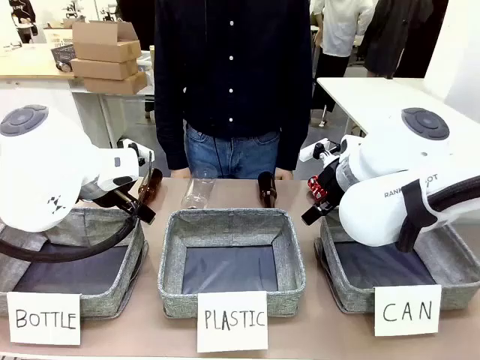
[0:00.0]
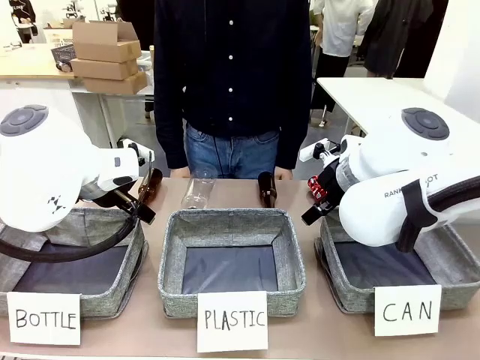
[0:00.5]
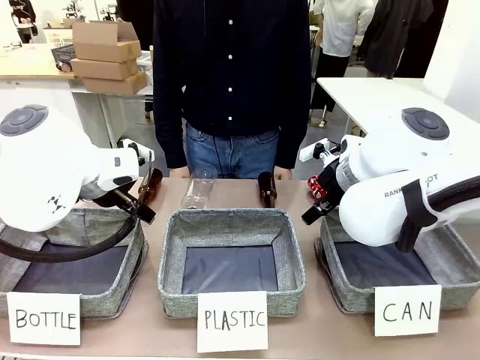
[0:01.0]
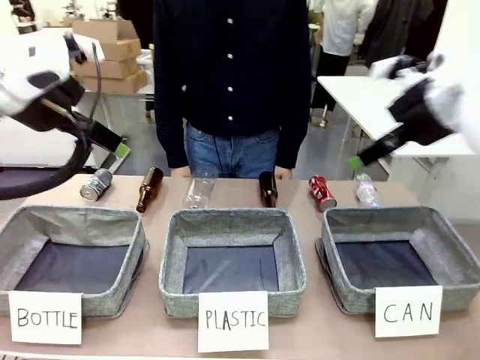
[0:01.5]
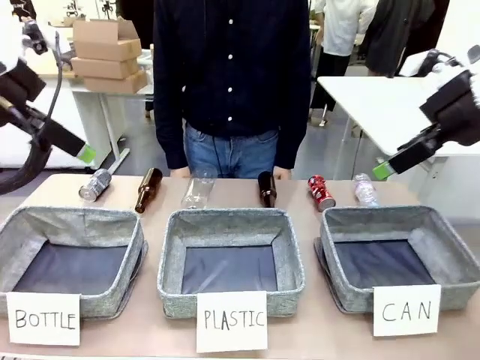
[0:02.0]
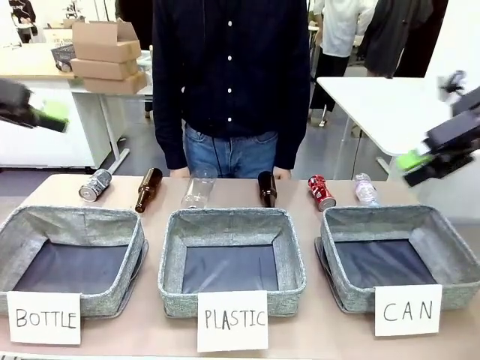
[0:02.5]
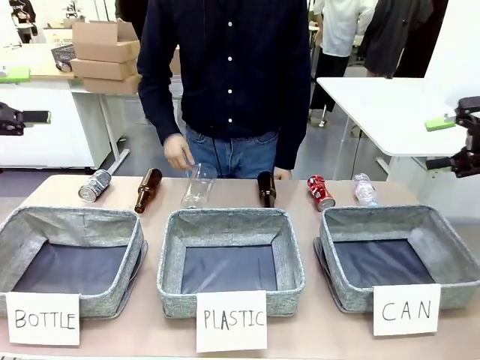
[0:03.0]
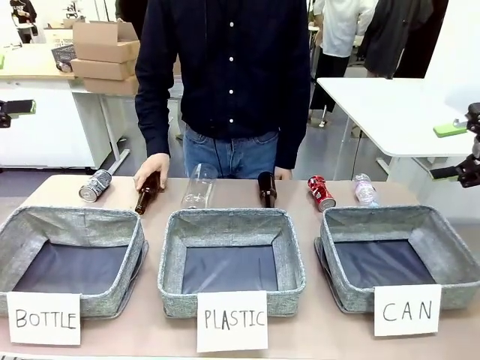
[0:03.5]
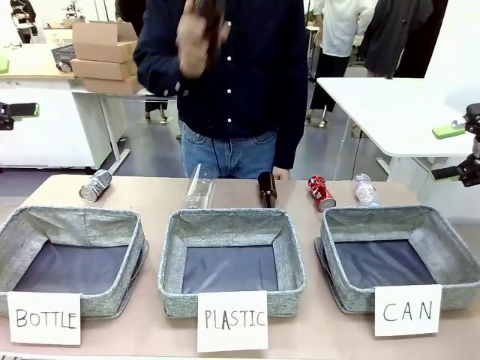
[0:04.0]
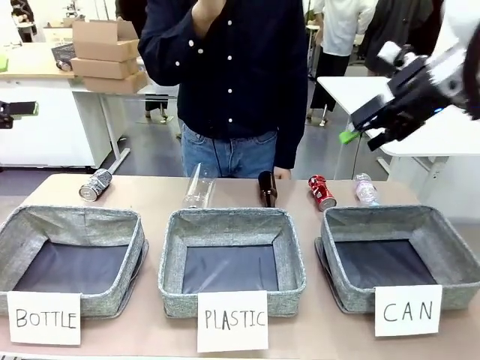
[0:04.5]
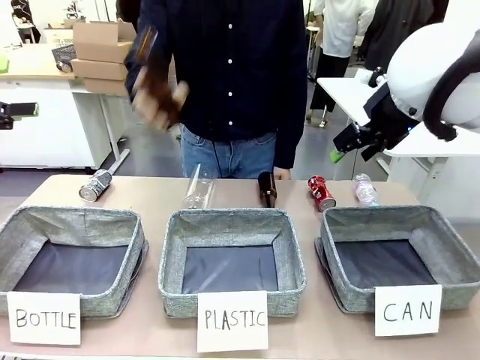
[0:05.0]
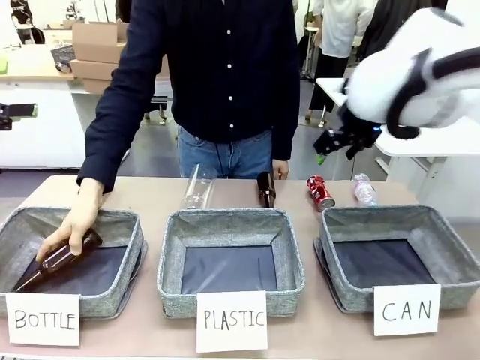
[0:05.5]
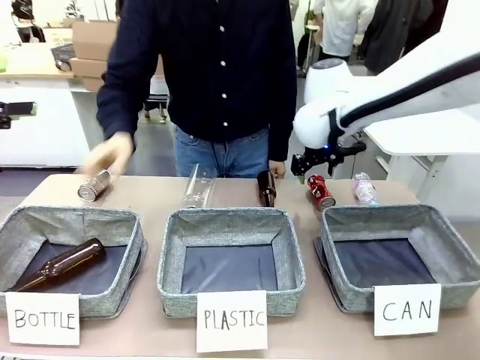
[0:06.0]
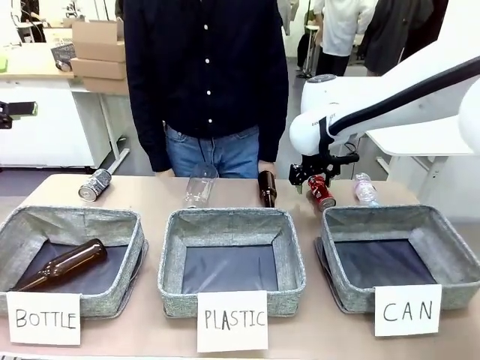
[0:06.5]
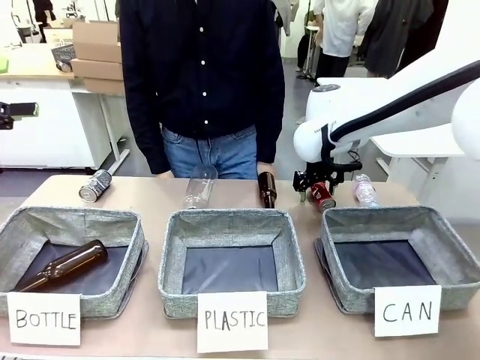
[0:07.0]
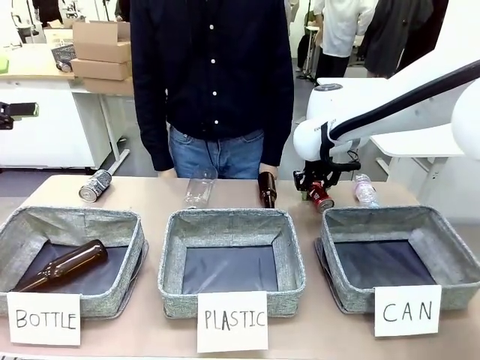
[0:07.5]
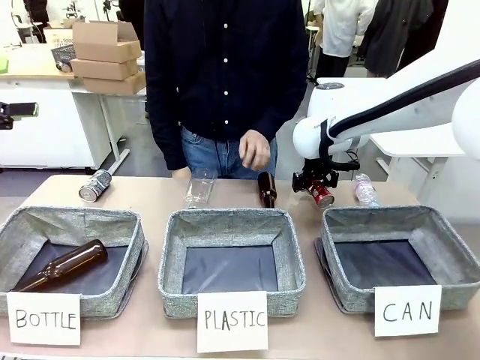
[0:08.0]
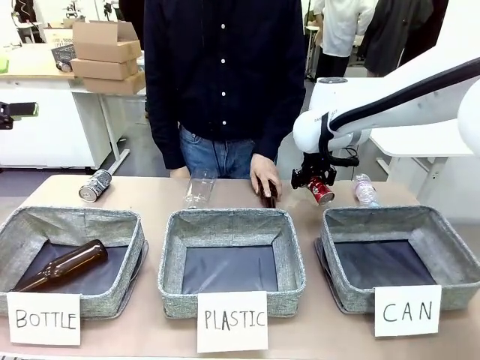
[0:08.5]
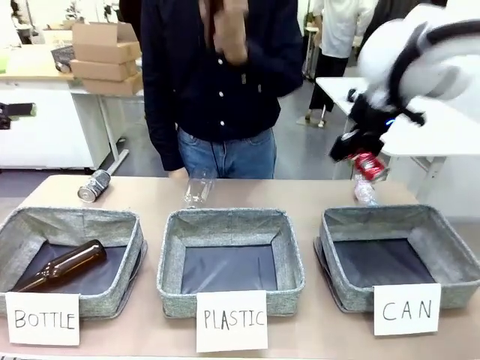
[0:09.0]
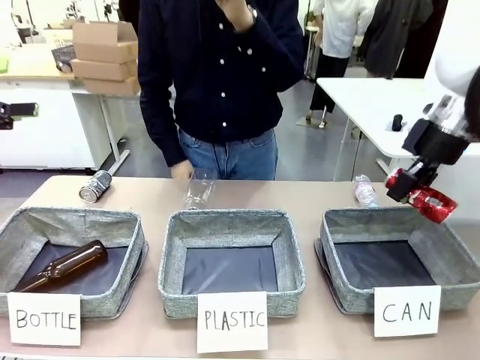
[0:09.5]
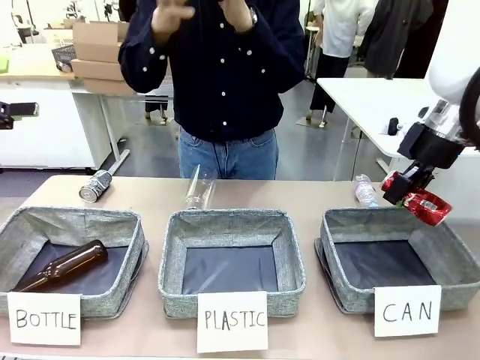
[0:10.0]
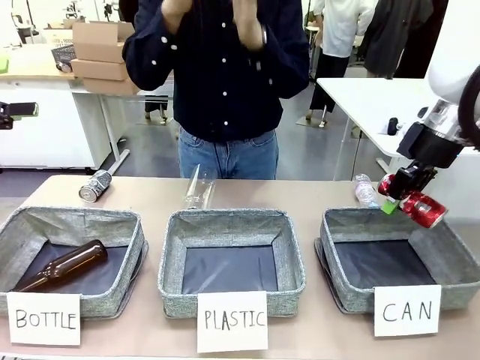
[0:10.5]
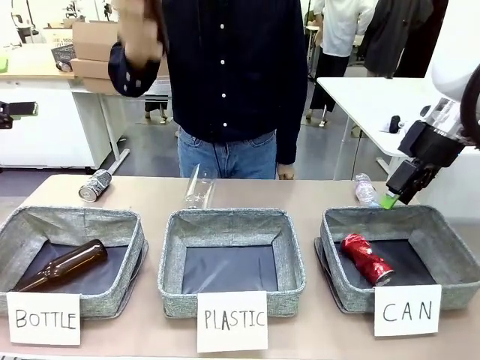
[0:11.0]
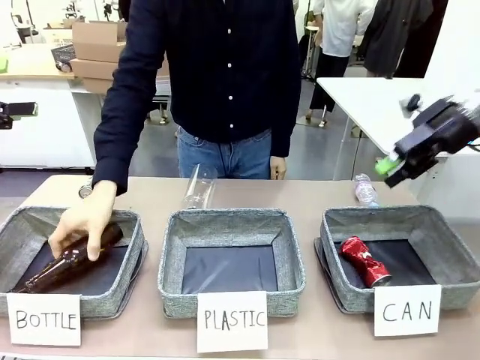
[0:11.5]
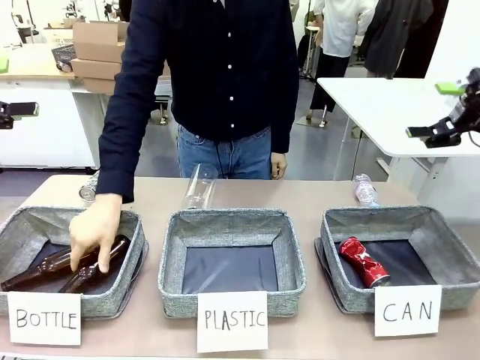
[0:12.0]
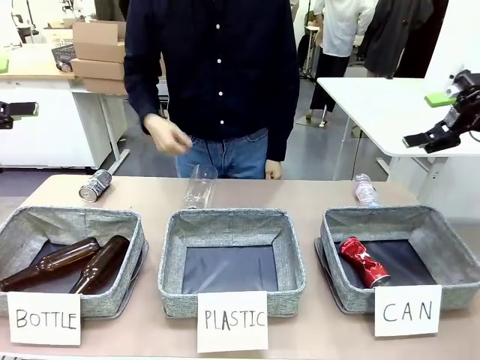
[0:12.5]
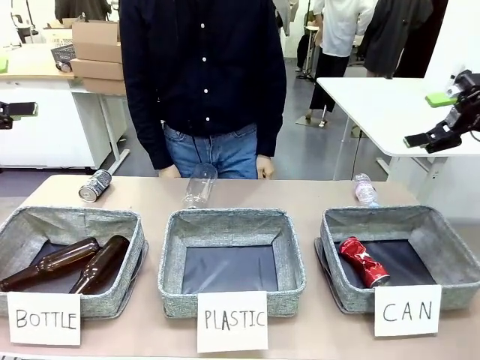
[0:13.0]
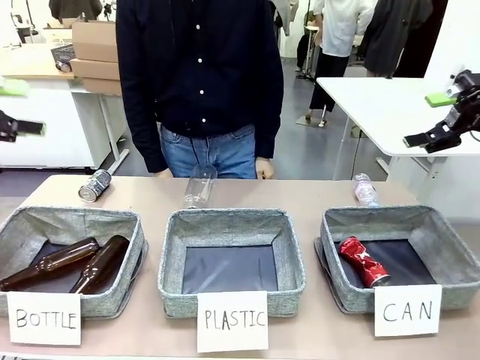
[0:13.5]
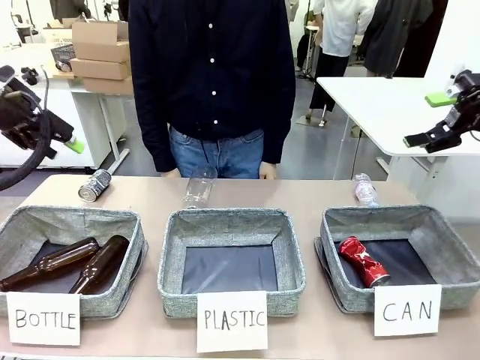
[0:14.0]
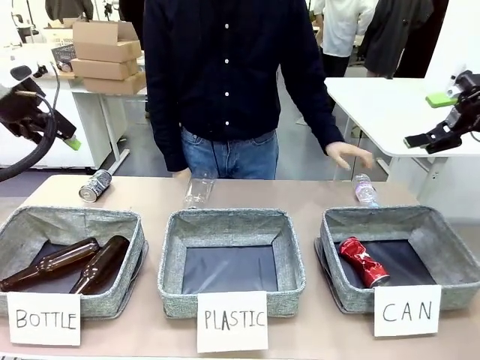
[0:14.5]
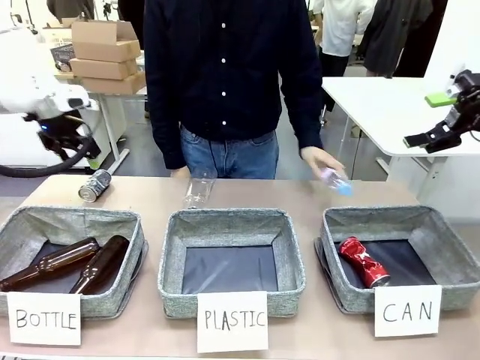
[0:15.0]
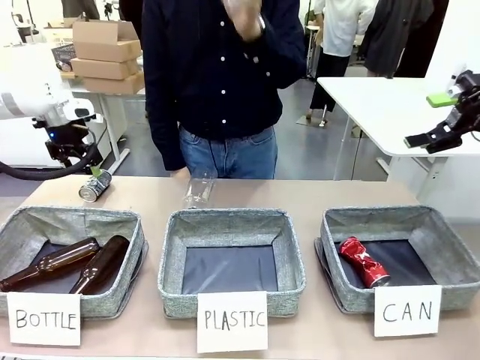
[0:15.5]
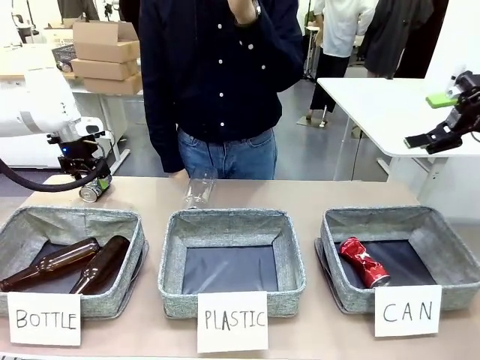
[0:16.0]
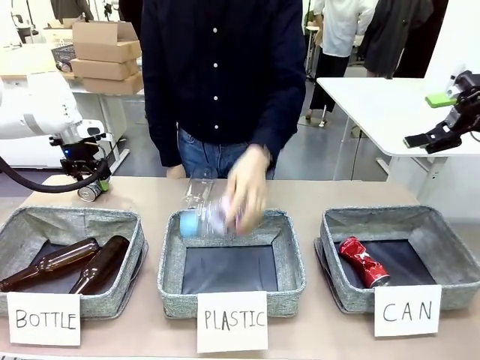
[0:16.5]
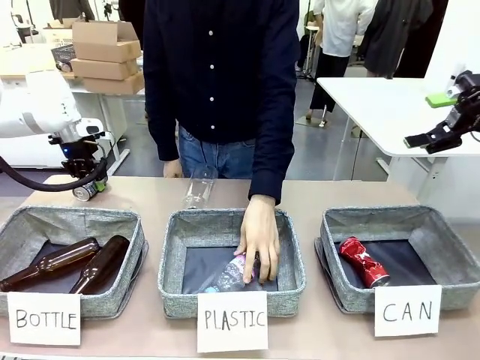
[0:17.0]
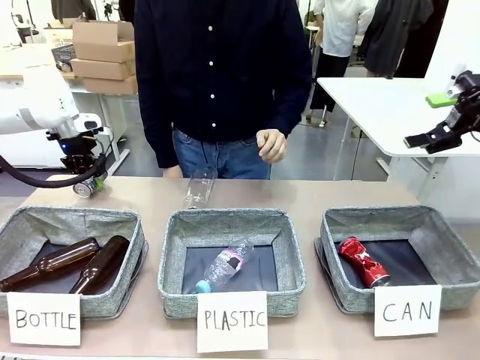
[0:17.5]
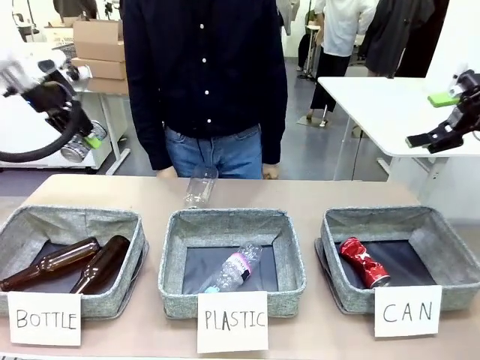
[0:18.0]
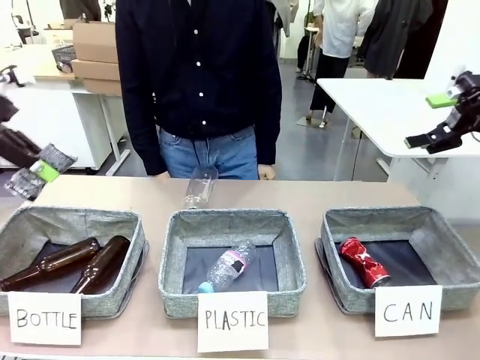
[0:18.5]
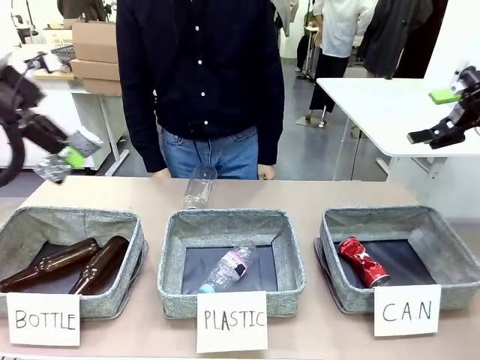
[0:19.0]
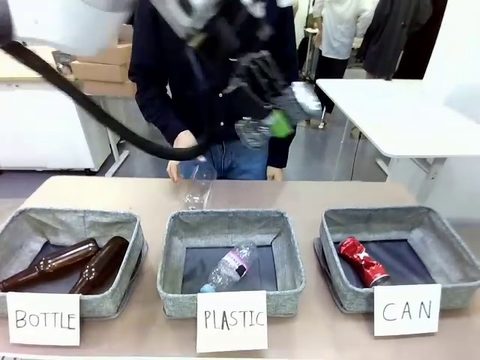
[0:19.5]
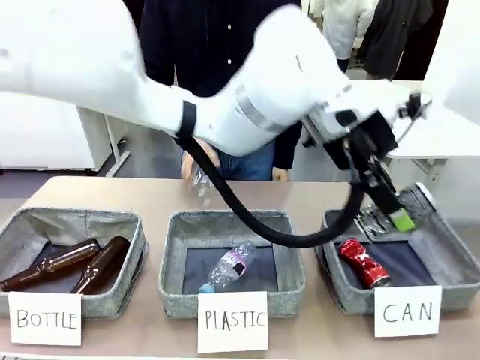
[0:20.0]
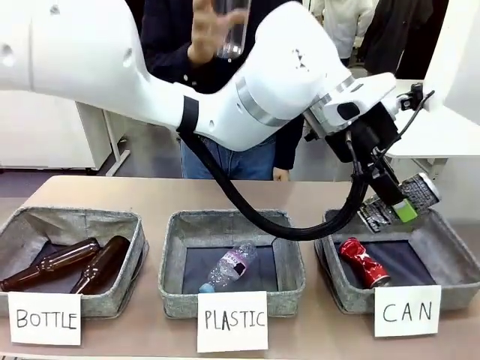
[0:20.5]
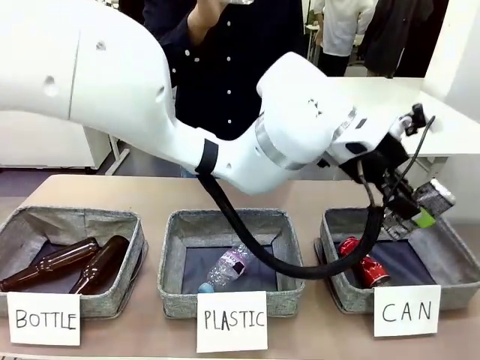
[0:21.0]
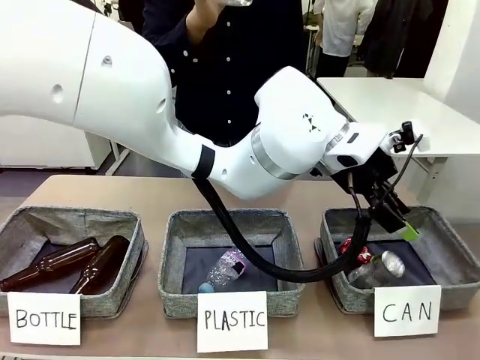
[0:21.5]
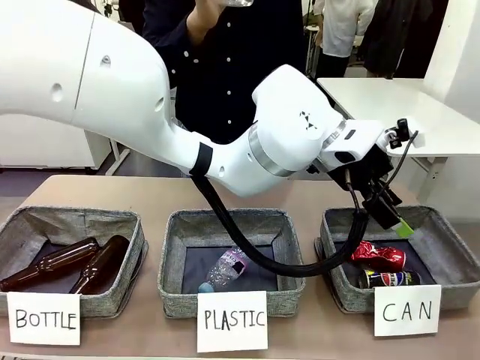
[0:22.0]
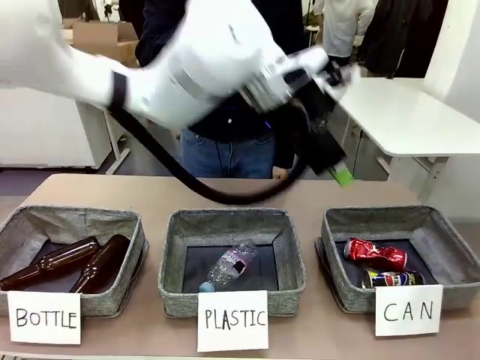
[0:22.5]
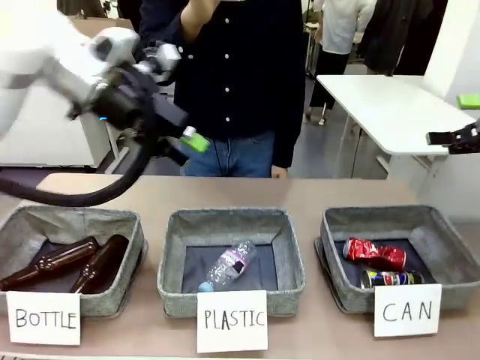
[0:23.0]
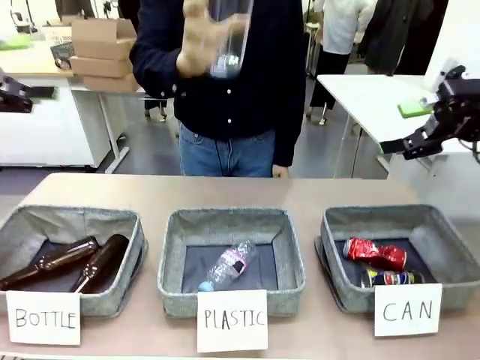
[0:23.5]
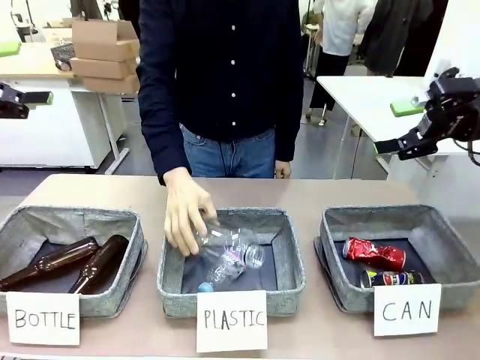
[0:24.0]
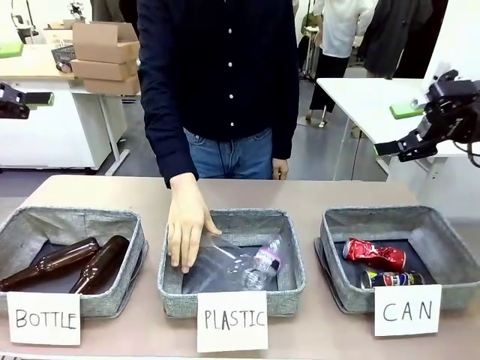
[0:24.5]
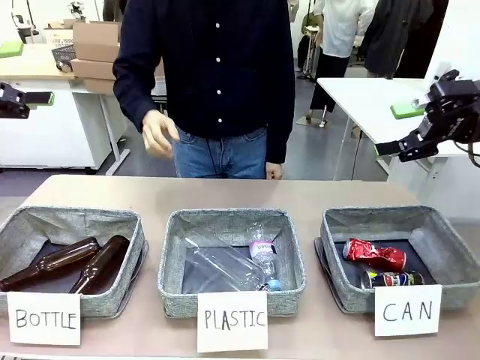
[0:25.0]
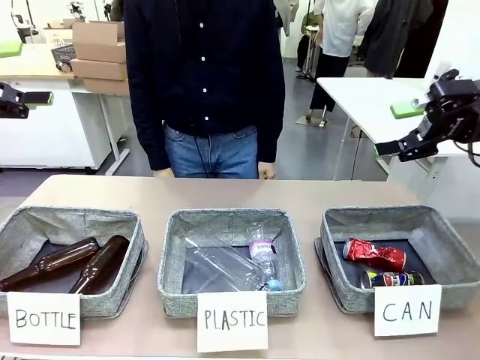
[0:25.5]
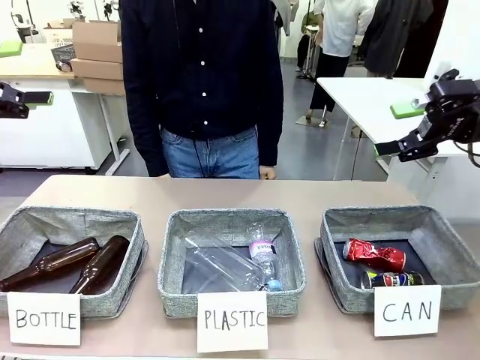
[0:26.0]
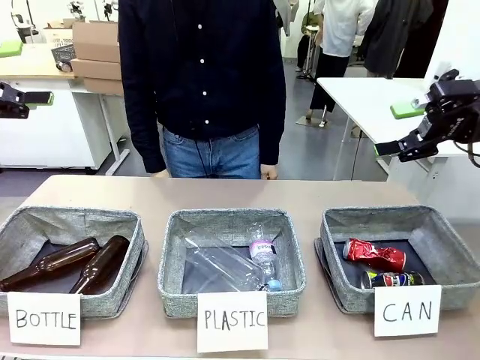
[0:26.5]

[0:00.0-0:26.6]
Task: Sort the can waste into the basket.
Robot: Pick up the can waste from the table and place it in the right Fabric basket.
Person: The human picks up one piece of trash that is not a can and places the trash into the appropriate organizing basket.
